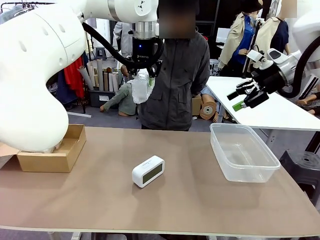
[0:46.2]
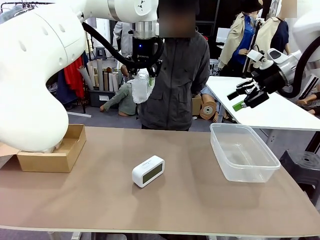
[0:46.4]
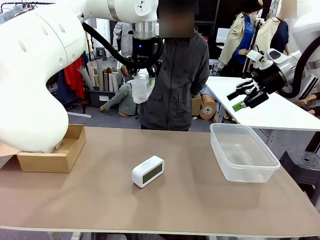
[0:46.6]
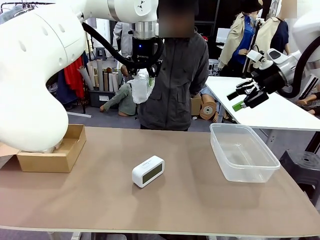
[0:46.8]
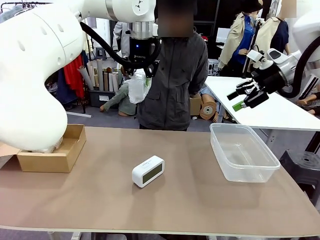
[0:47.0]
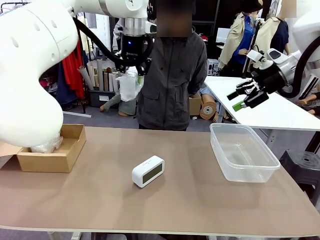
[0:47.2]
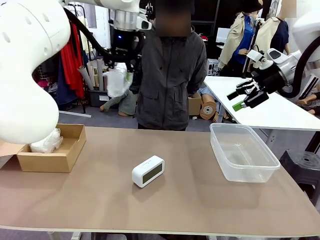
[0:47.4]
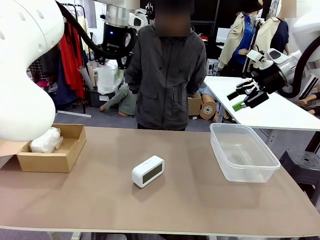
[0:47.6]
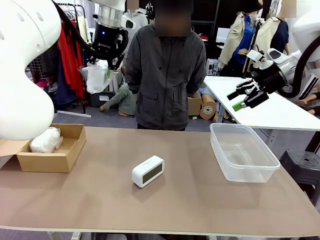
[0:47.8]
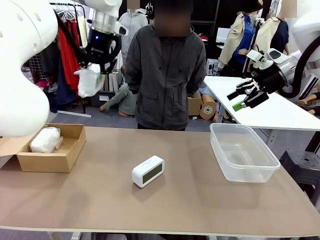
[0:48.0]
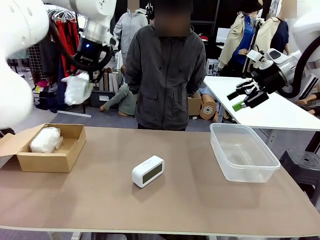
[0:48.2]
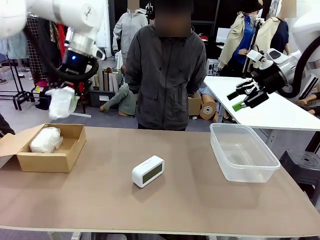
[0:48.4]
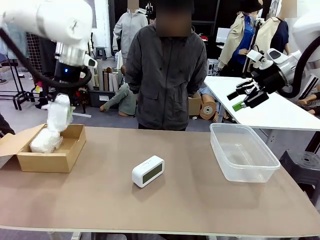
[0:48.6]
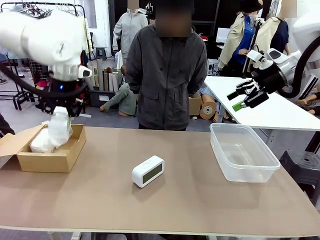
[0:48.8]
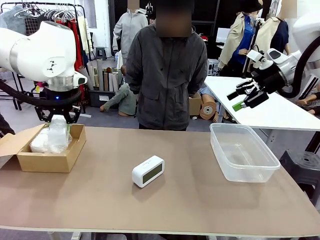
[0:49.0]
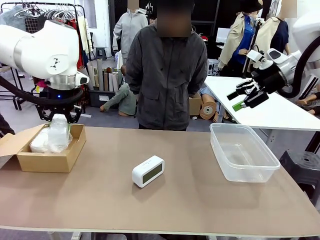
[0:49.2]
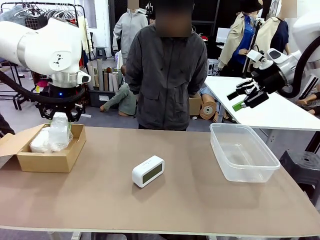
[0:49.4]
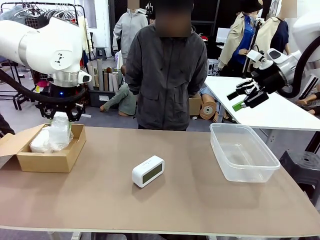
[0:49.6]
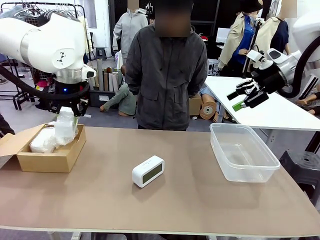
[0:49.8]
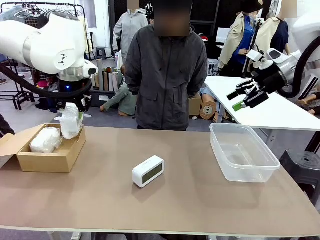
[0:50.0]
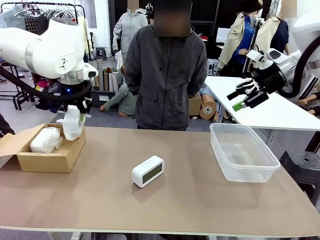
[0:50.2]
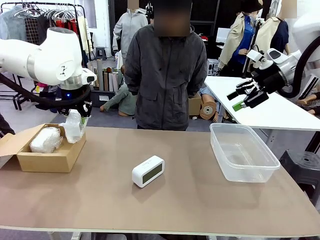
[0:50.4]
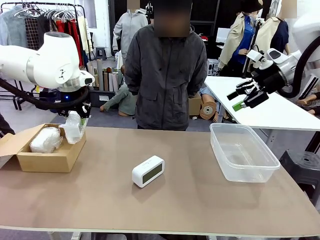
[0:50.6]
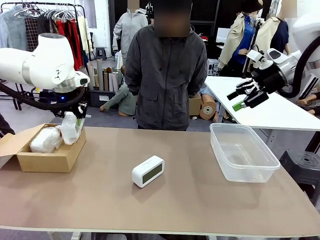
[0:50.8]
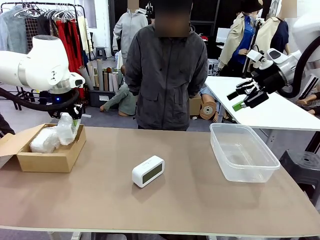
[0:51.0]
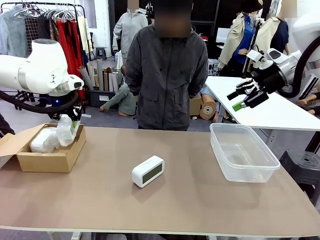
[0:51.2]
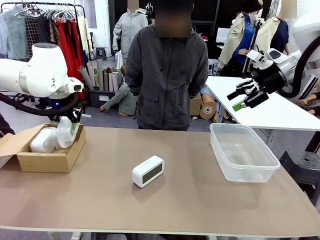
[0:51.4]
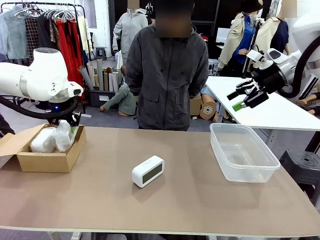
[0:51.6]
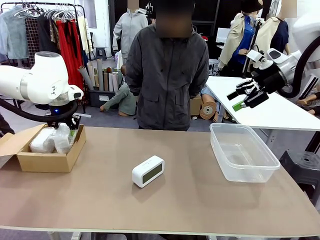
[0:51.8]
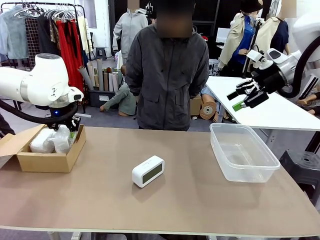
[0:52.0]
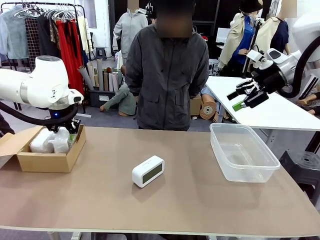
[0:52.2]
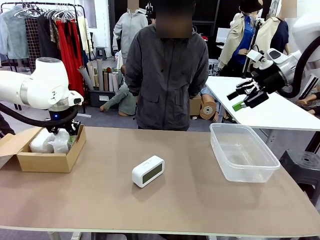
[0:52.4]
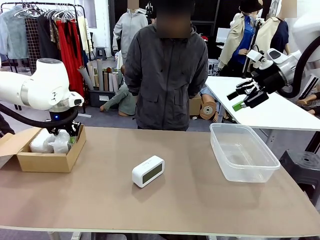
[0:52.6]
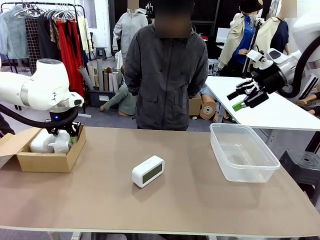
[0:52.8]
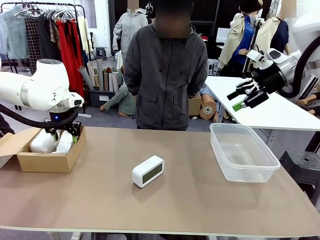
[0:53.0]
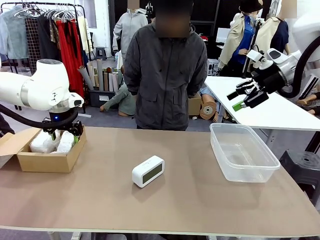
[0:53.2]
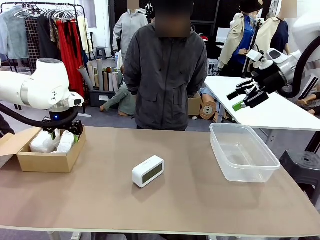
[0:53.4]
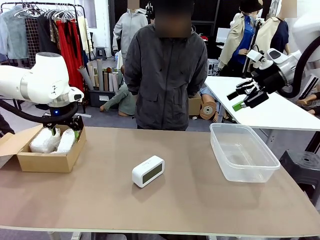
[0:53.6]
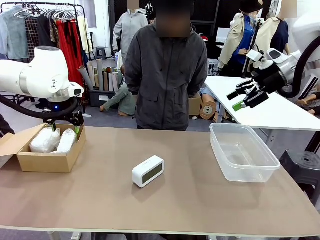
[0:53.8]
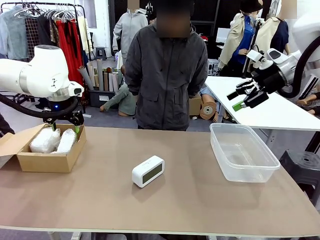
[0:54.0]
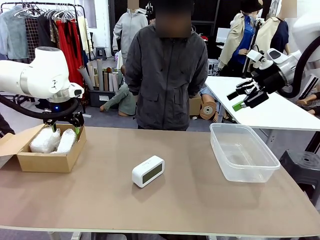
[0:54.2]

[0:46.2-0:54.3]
Task: Separate and place wrapped and unwrapped clocks.
Robot: If the picked Digital clock is wrapped, place it in the Package Box ; if not, place it in the Organizing box.

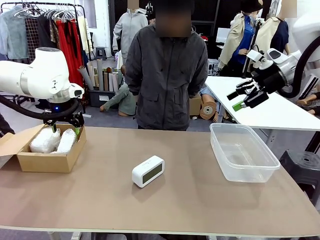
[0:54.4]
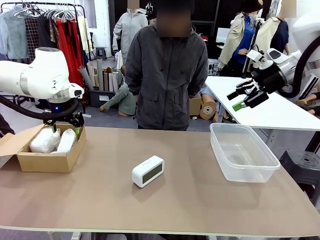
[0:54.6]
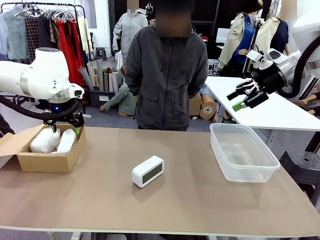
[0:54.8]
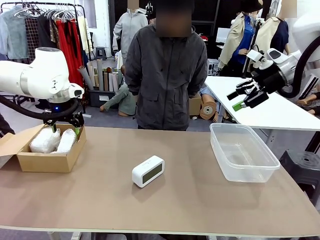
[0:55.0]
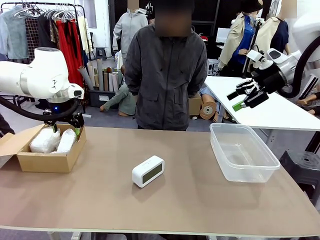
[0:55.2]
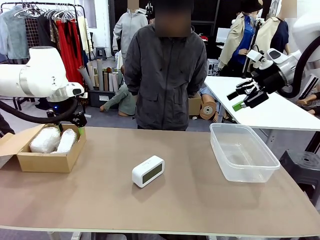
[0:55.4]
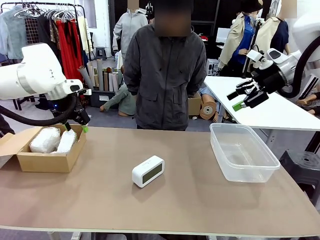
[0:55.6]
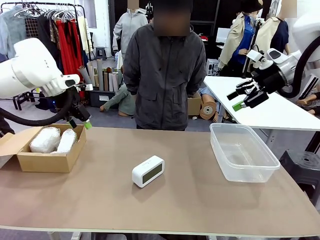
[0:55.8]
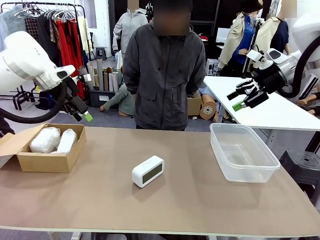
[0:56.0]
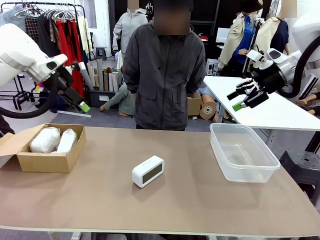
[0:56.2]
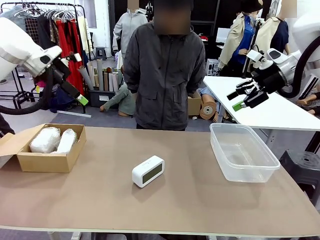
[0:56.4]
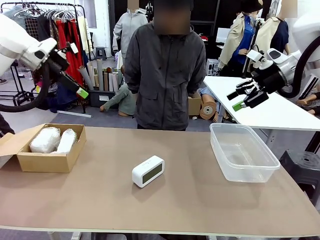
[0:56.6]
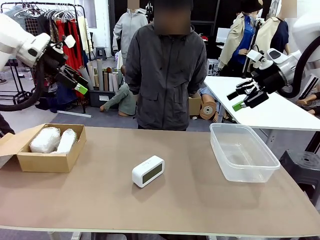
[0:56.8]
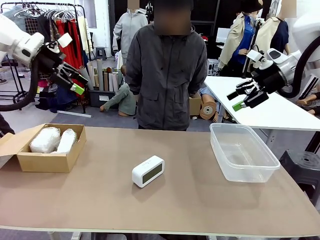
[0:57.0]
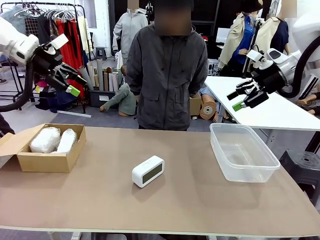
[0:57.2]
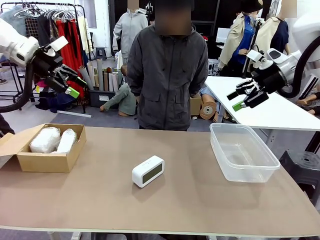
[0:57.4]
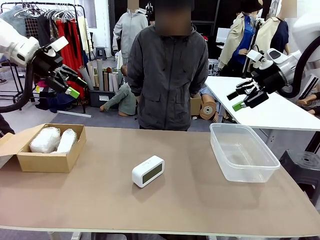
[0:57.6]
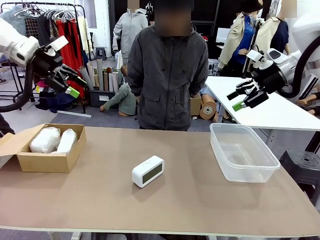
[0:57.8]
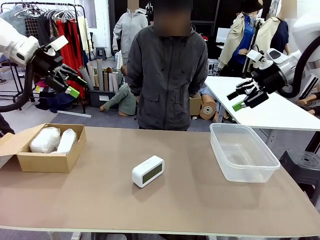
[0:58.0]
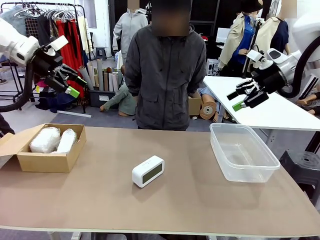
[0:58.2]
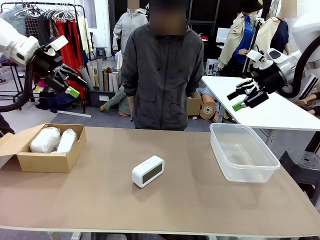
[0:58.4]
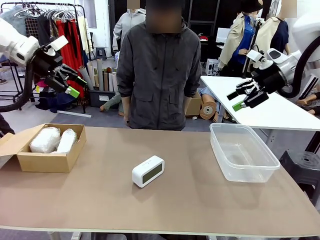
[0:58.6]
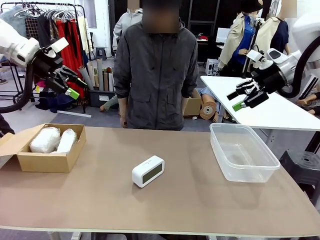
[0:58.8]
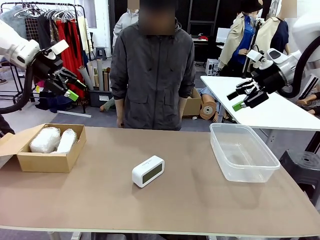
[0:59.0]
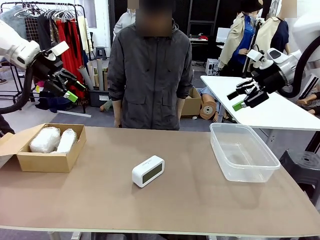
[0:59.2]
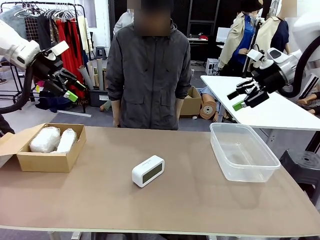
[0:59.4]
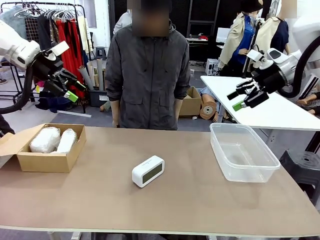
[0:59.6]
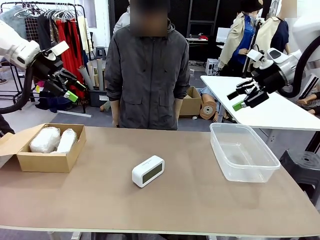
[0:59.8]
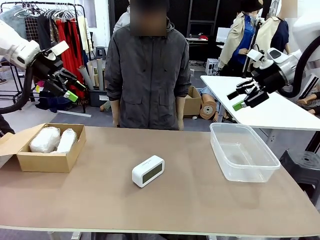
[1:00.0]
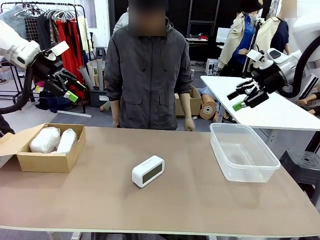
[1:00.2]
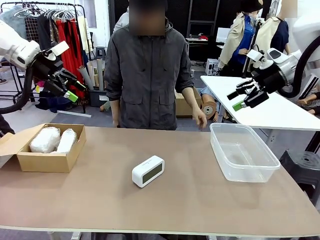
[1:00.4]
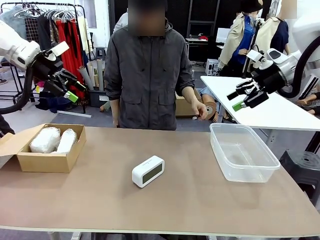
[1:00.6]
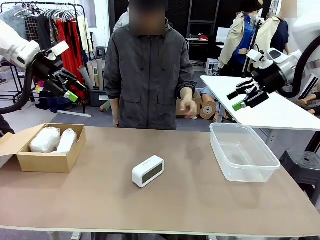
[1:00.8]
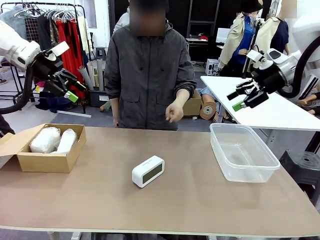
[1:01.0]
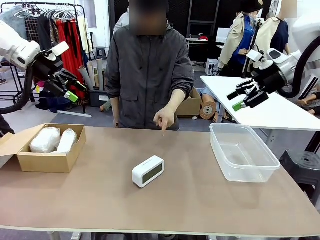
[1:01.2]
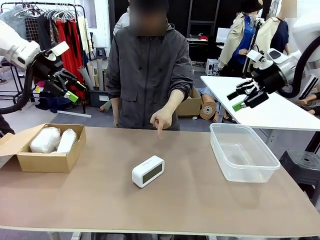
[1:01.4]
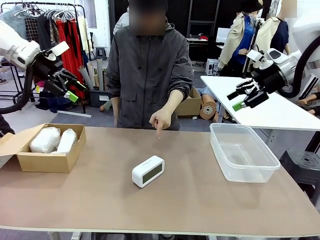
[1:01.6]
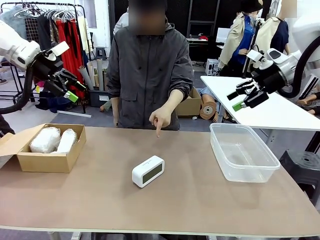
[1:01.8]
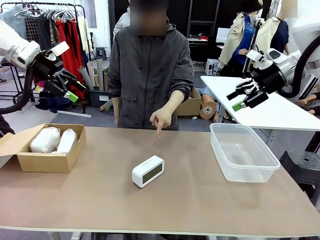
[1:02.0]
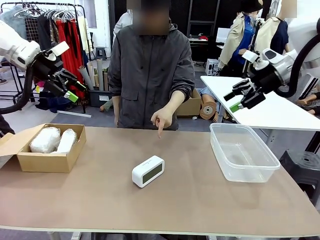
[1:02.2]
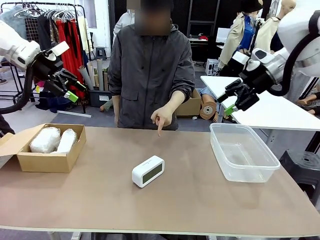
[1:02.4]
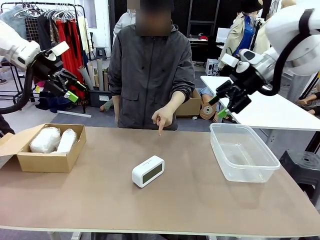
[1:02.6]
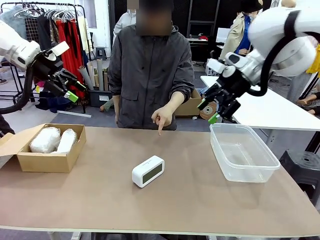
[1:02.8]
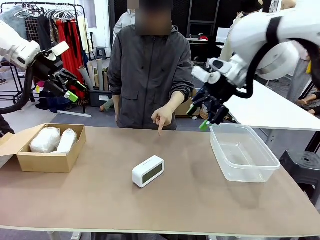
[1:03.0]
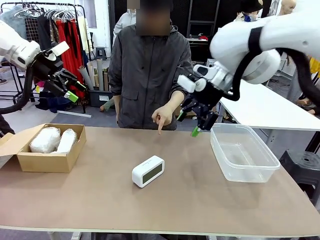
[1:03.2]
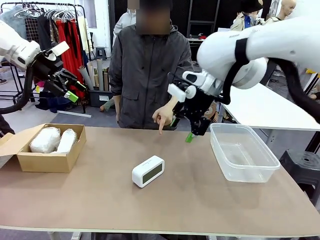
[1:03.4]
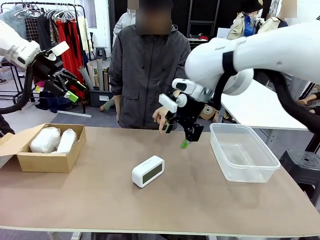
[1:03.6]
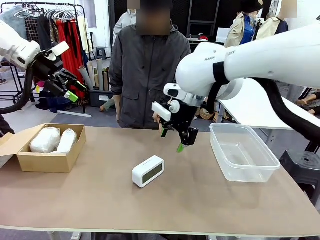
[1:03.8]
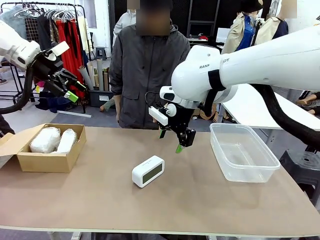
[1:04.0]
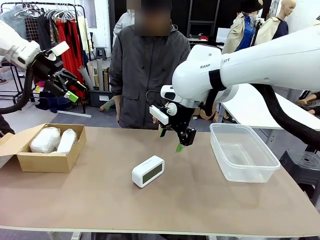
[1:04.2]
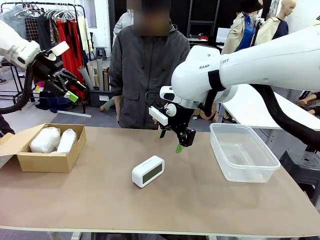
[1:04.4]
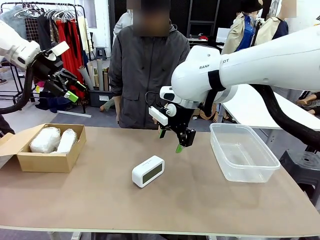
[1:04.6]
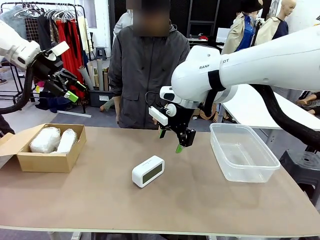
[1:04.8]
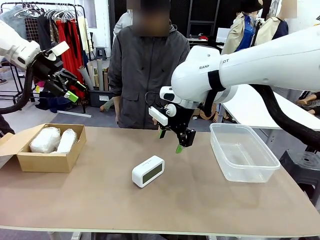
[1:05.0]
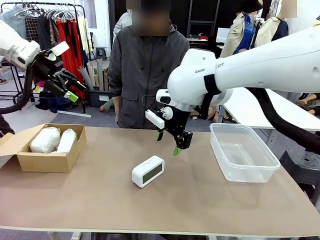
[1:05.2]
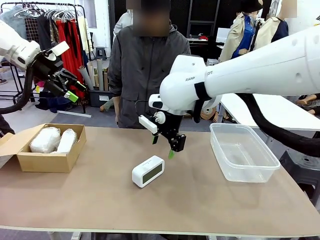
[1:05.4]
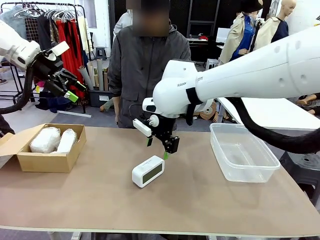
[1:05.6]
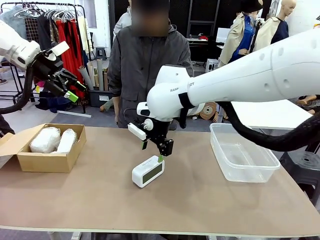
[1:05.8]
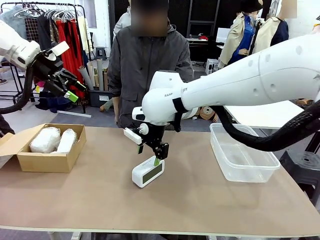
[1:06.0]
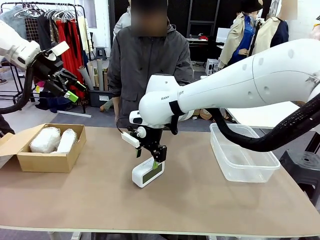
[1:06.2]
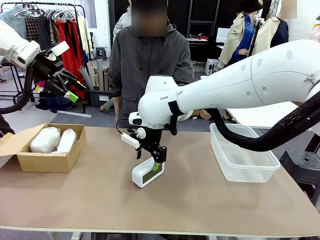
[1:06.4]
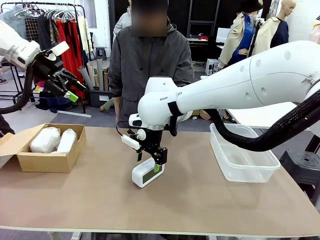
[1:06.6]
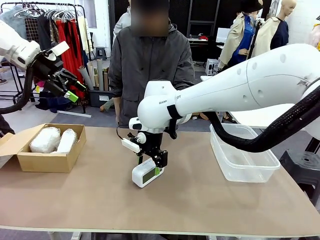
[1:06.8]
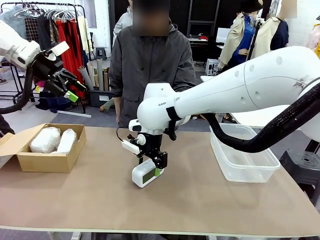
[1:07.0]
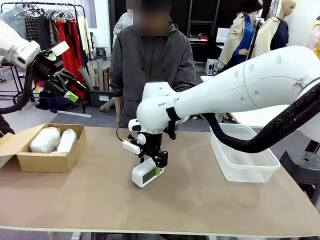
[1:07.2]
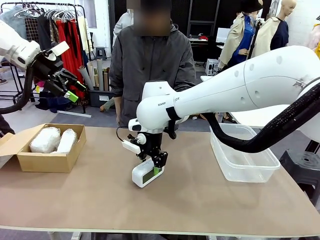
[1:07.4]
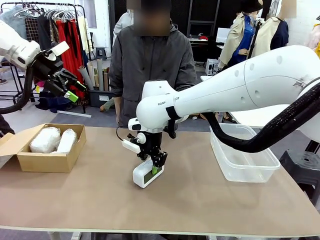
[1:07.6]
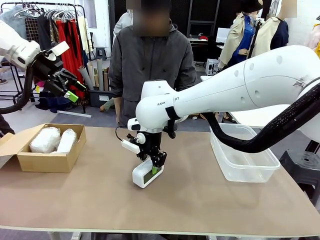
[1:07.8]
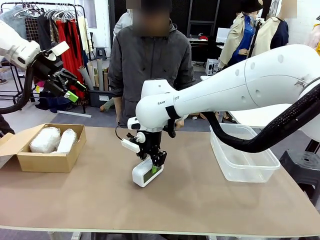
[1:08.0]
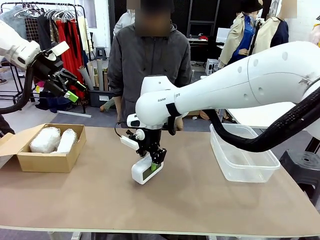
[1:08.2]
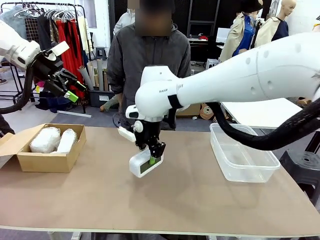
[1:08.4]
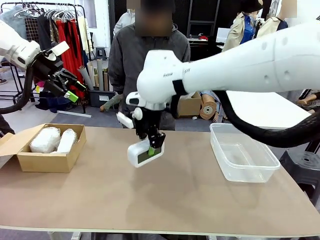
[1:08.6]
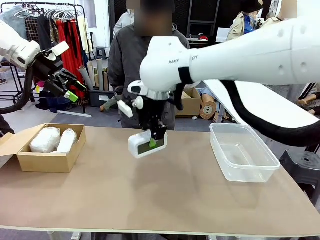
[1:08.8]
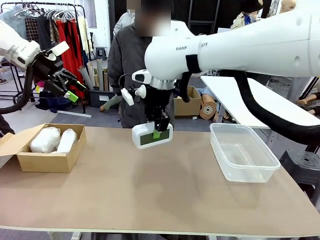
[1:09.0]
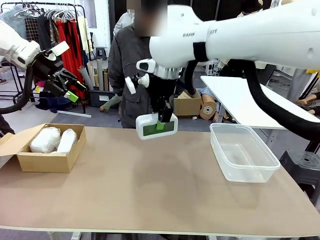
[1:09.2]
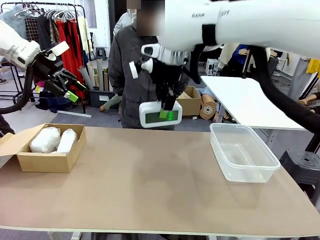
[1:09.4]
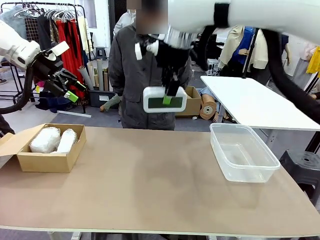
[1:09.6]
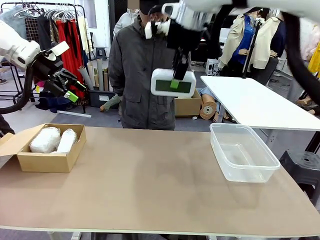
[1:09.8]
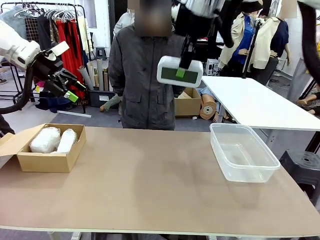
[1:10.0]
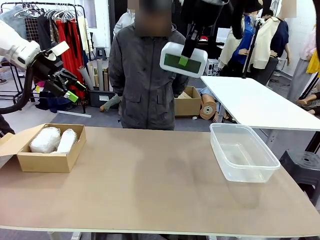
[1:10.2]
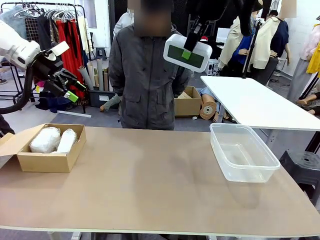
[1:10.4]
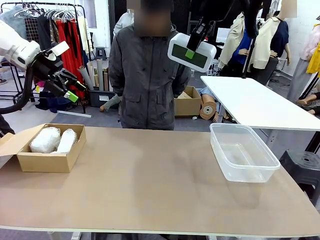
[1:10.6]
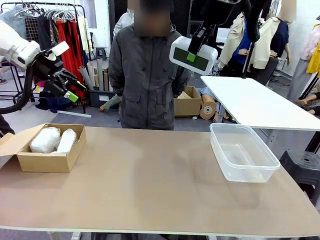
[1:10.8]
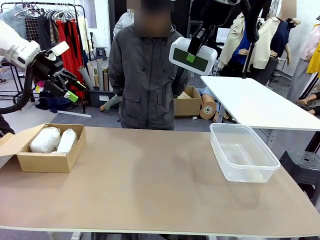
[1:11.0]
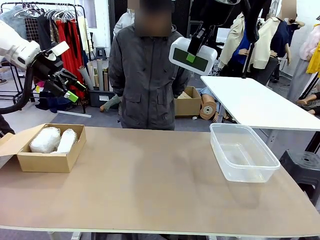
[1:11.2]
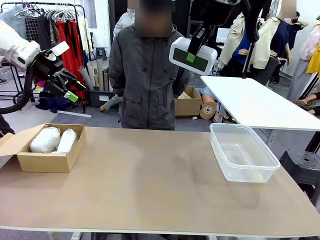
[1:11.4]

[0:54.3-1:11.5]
Robot: Pick up the Digital clock indicated by the person.
